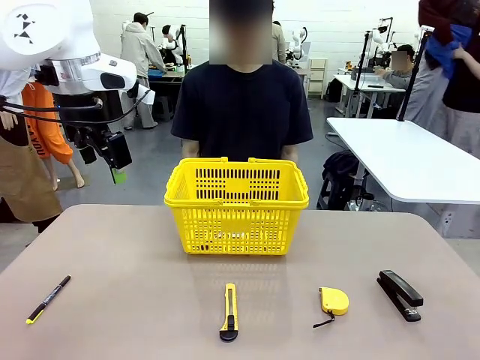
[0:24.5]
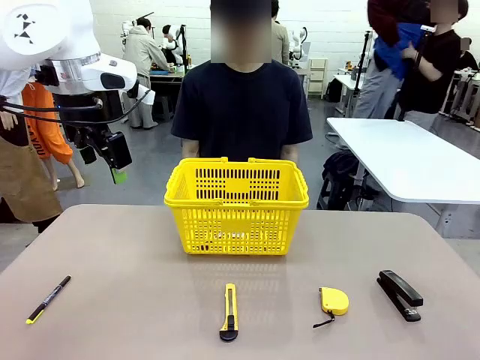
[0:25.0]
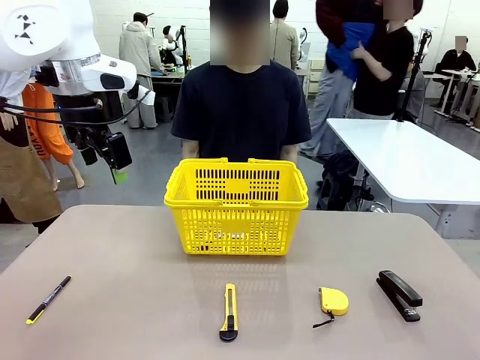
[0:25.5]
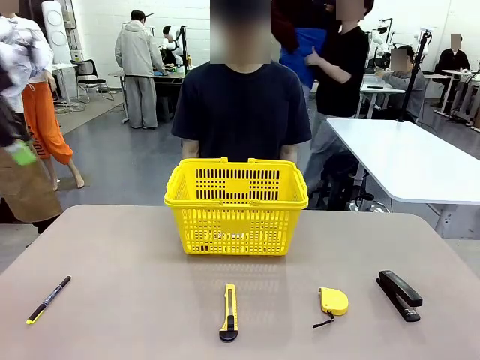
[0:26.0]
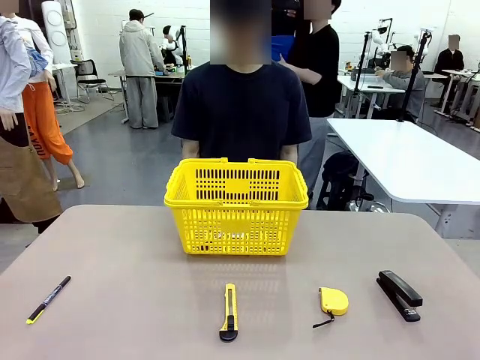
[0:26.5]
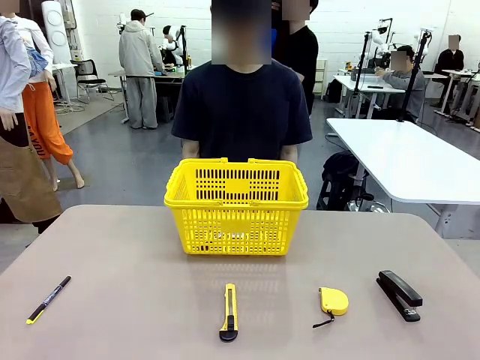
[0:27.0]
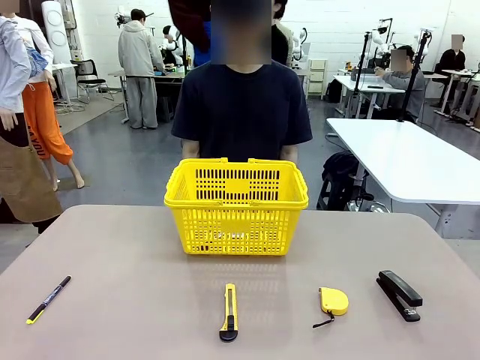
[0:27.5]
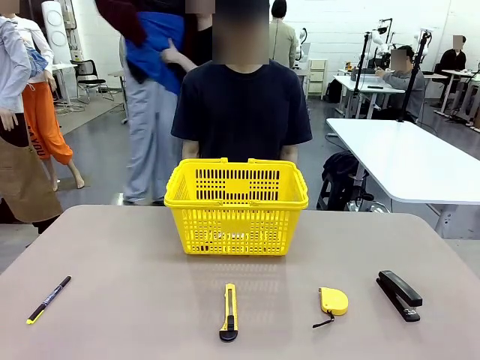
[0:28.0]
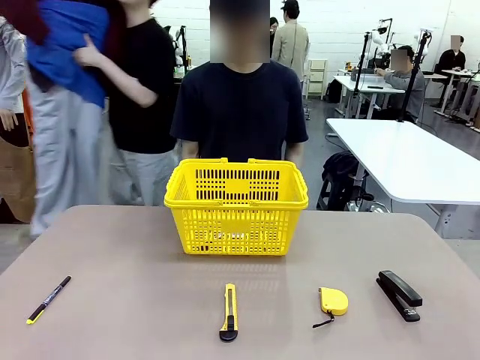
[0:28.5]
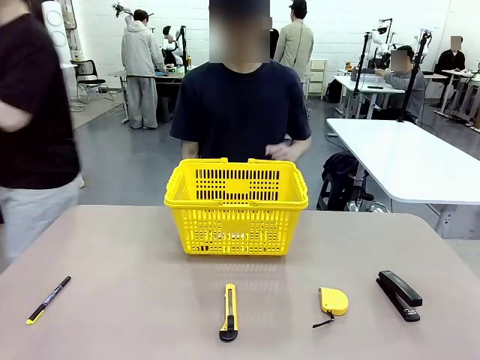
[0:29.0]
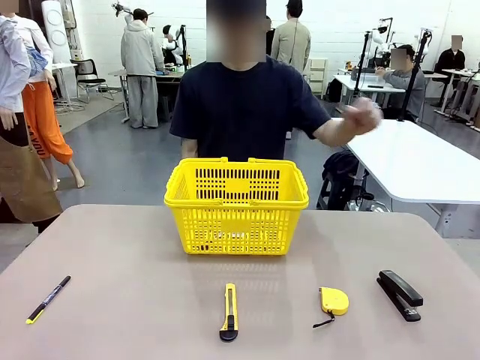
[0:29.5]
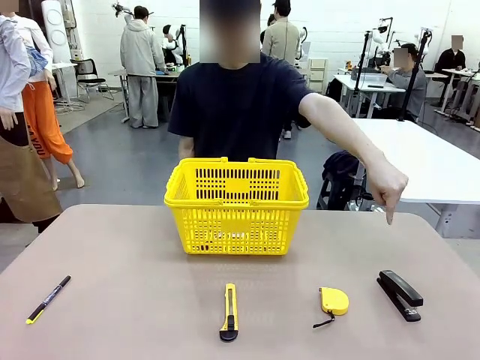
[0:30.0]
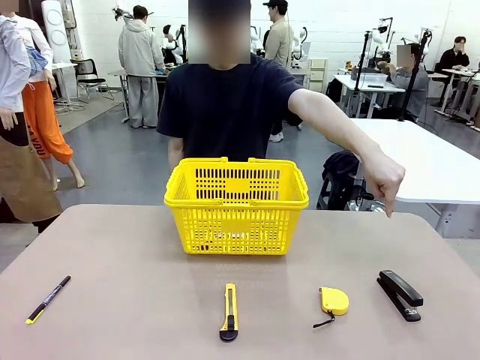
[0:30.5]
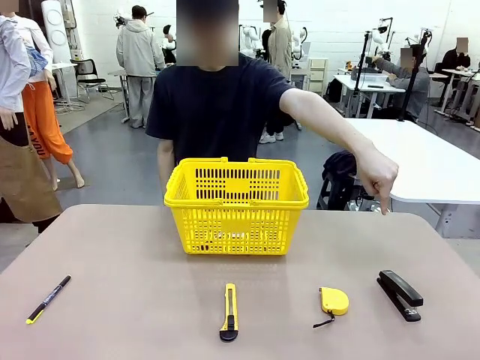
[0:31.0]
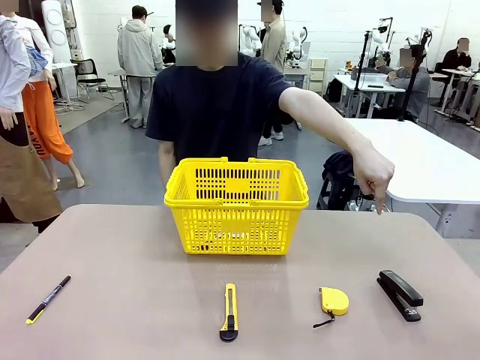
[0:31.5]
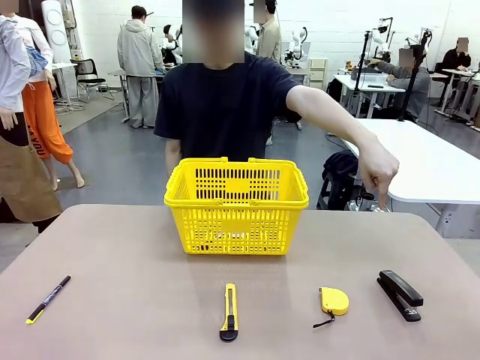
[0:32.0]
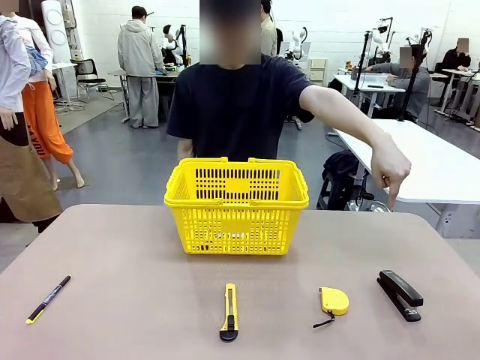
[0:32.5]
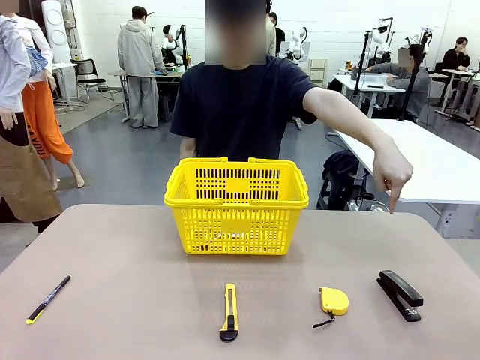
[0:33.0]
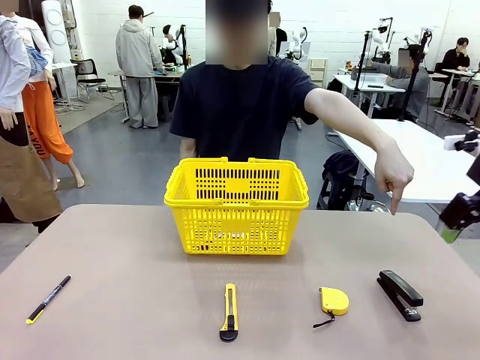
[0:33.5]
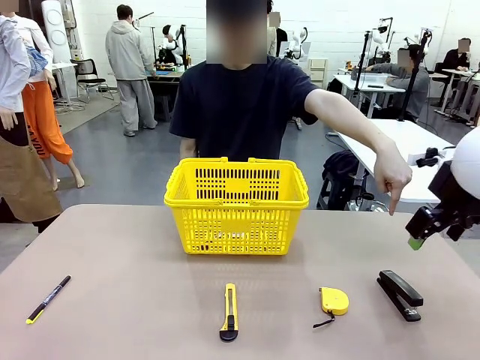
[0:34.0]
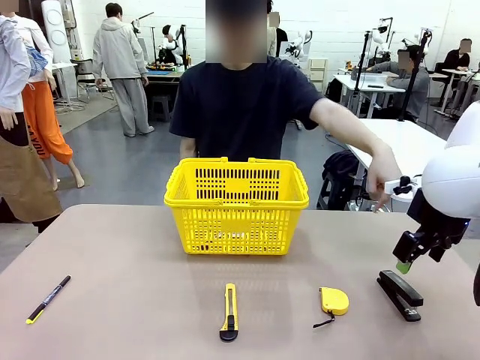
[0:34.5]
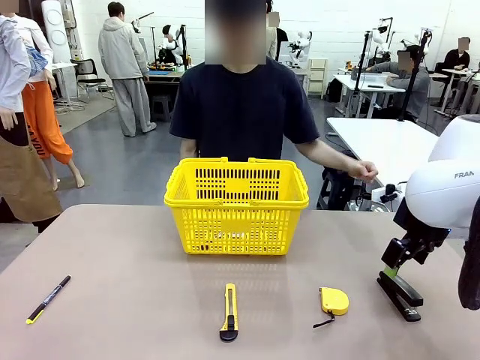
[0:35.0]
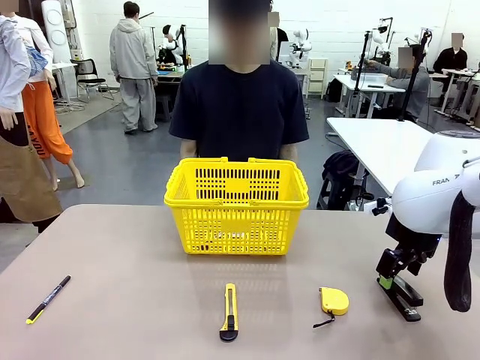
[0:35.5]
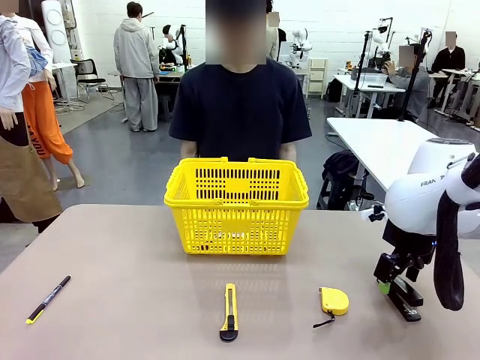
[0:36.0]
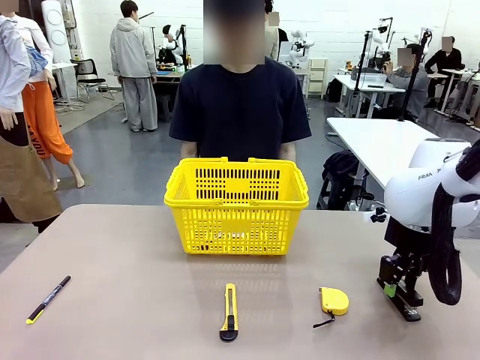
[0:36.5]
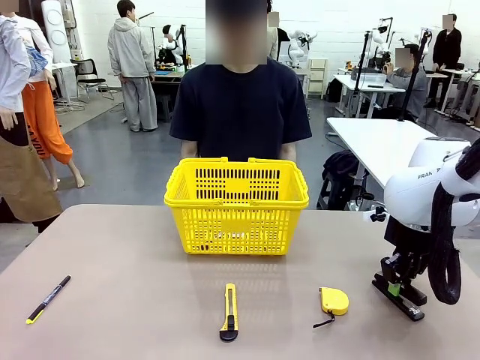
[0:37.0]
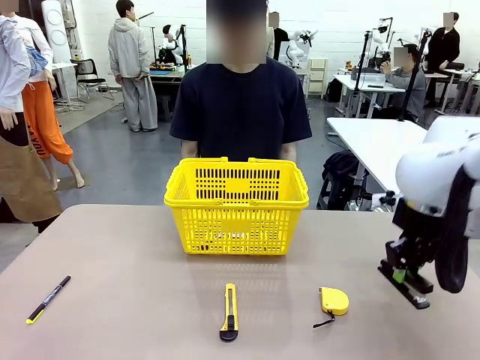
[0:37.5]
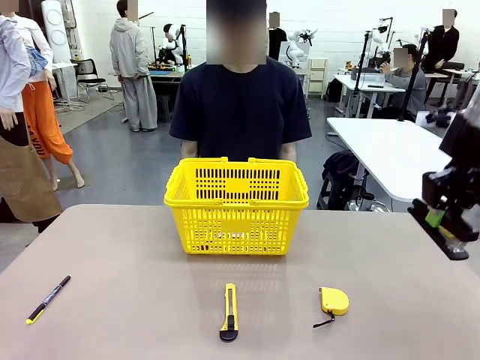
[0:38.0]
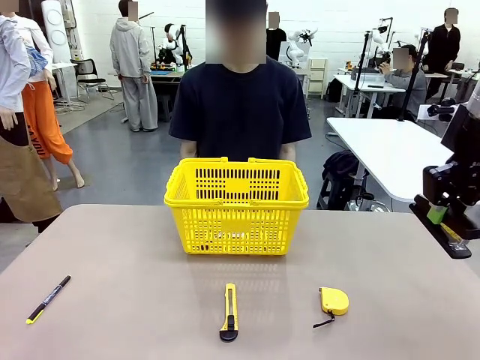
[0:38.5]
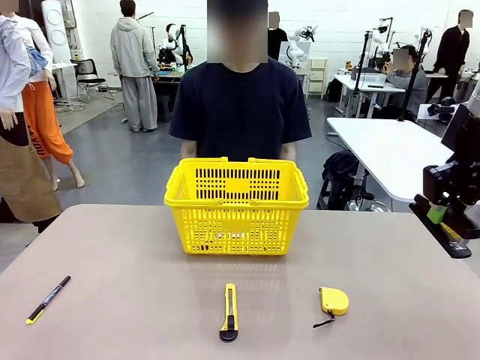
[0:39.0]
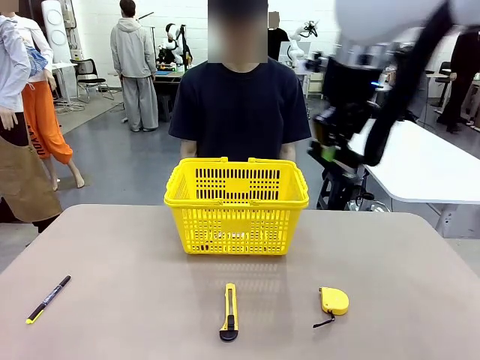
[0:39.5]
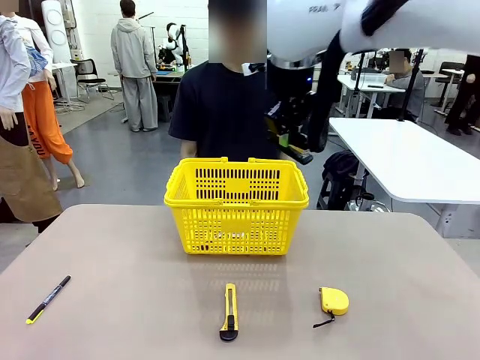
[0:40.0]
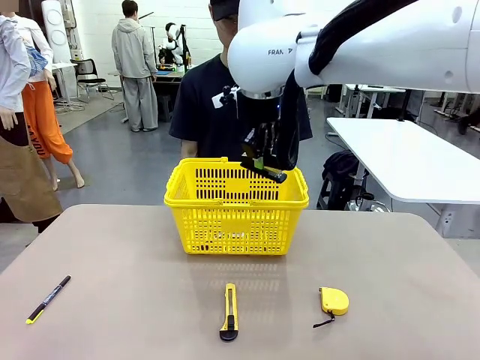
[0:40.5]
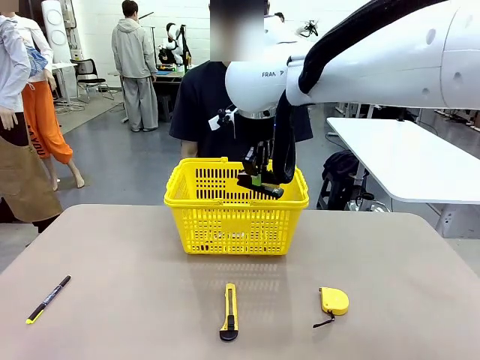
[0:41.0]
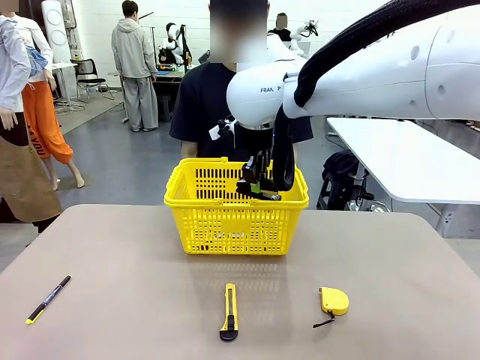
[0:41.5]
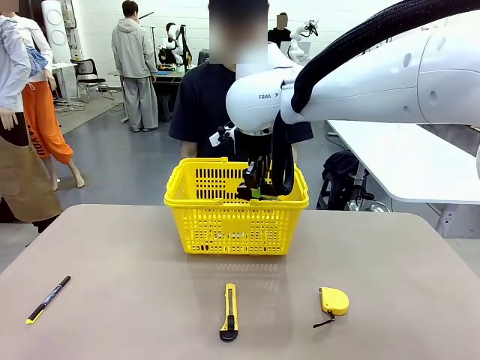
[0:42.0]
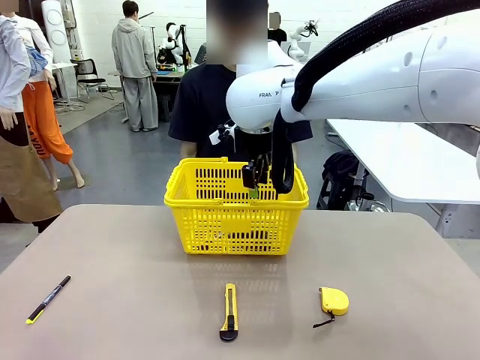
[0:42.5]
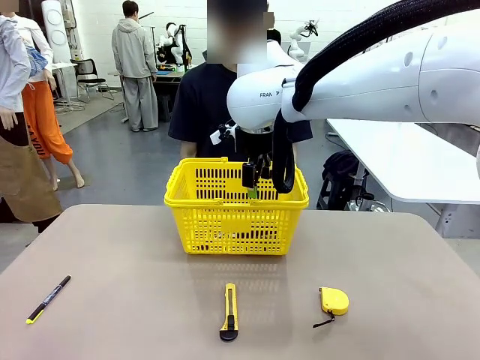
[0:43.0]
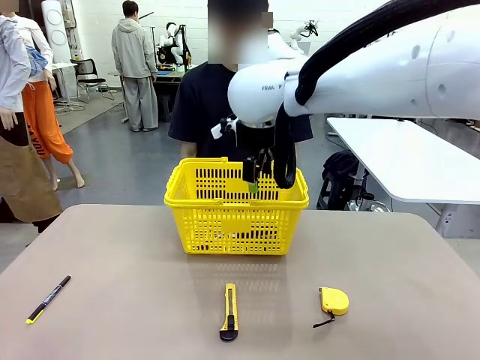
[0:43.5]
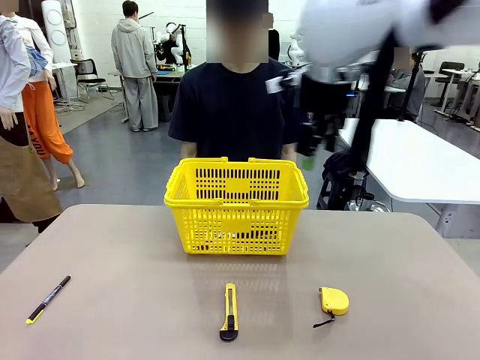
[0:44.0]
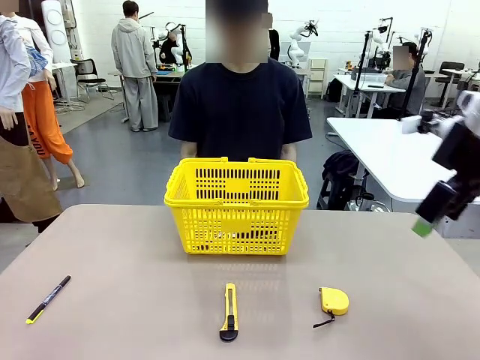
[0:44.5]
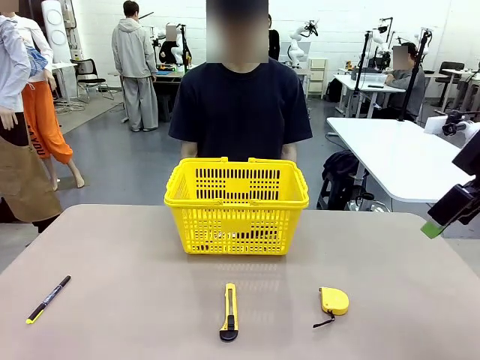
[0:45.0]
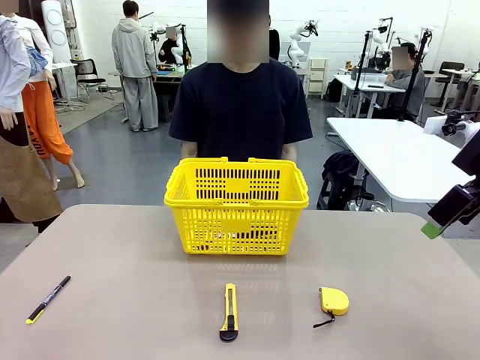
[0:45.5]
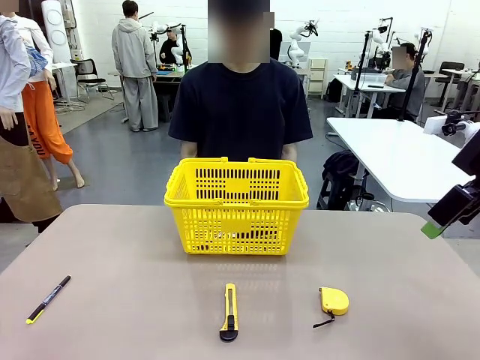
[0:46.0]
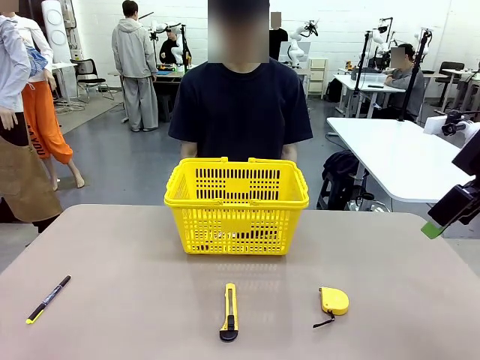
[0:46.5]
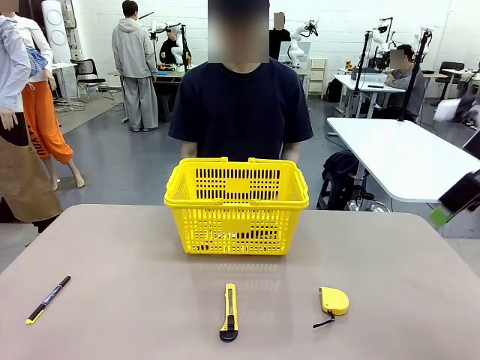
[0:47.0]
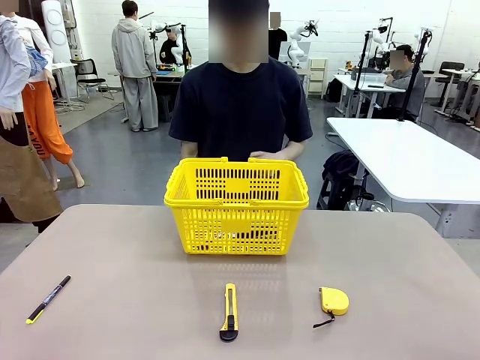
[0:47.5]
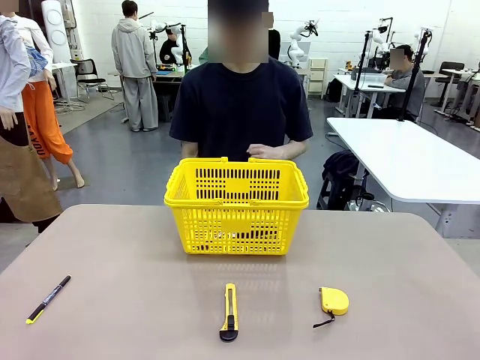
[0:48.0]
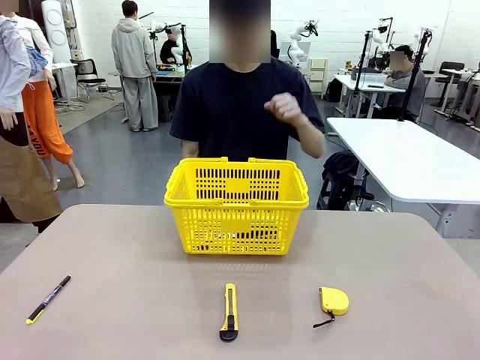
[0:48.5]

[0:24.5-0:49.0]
Task: Place the items the person wants into the basket.
Robot: Pick up the item the person points to and place it in the Market Basket.

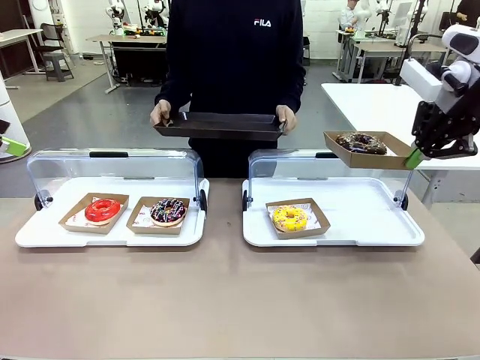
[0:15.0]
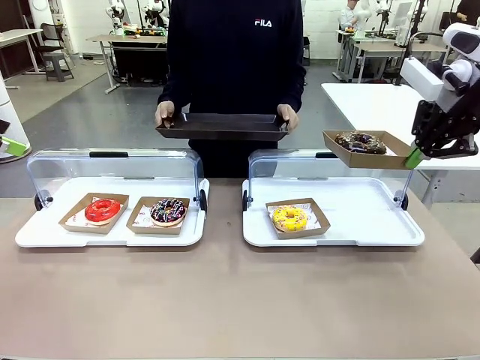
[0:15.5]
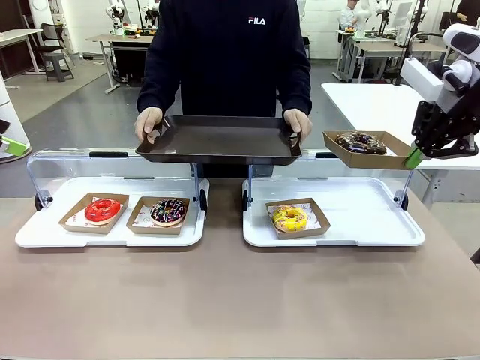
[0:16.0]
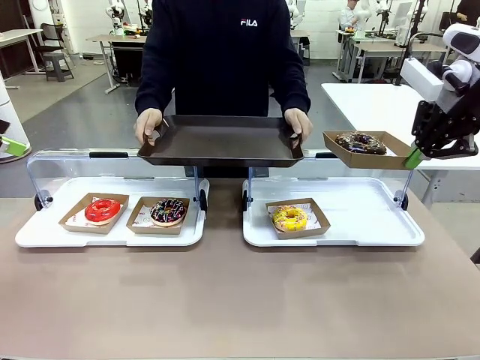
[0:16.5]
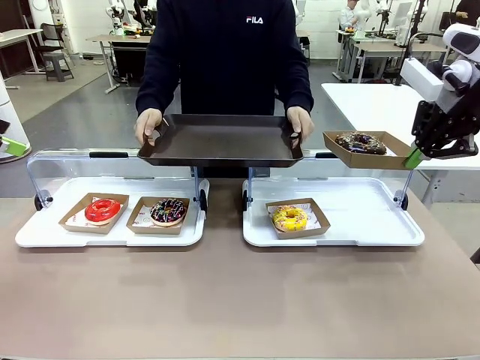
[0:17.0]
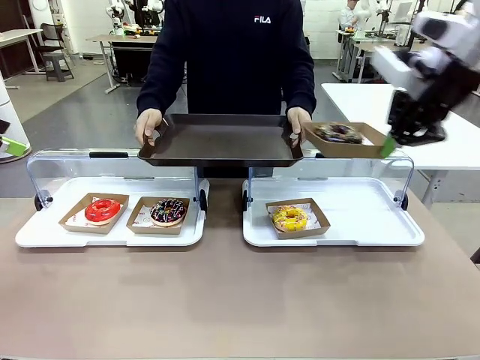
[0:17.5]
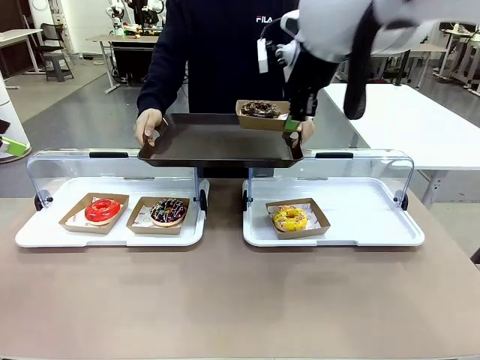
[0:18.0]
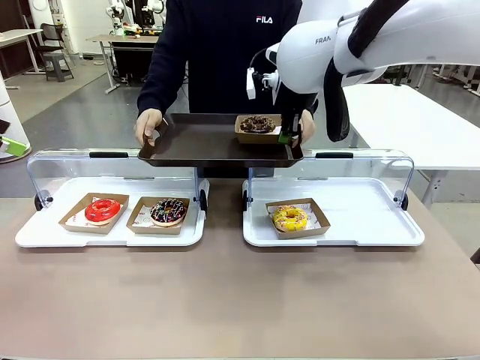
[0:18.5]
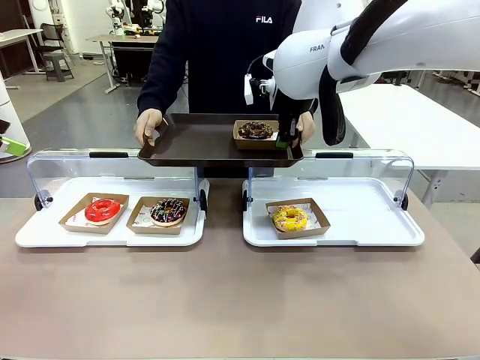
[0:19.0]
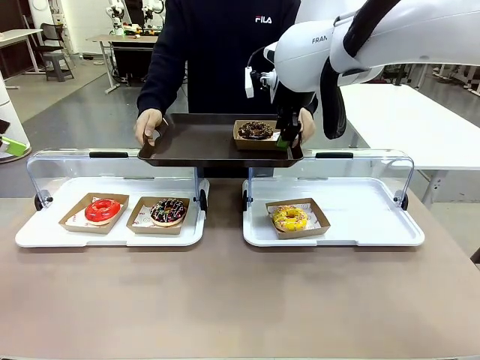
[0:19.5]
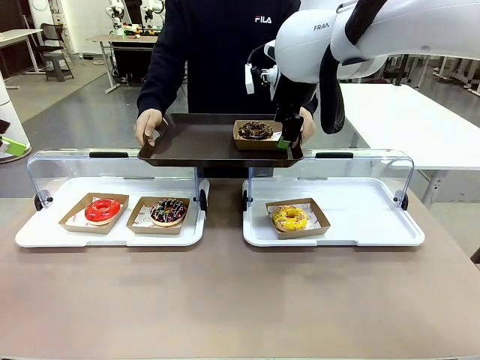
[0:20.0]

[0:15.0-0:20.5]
Task: Provide the desired donut to the person.
Robot: Place the picked Paper togo box onto the Handle tray extended by the person.
